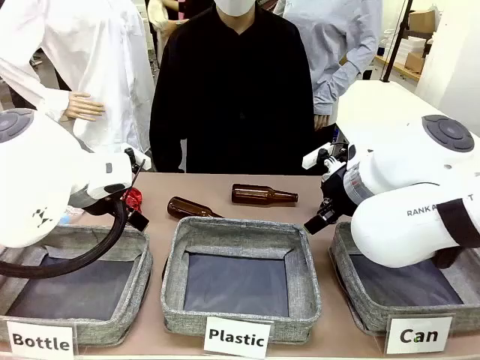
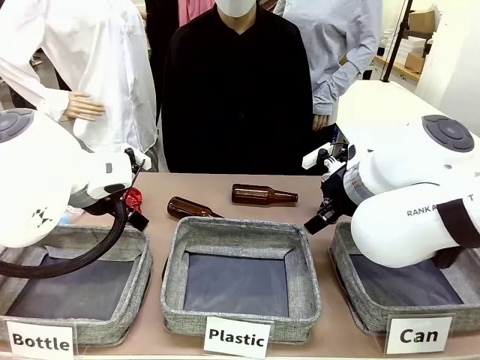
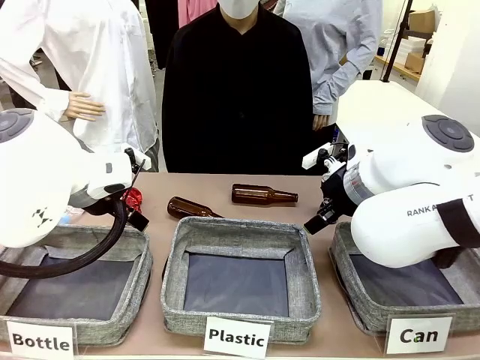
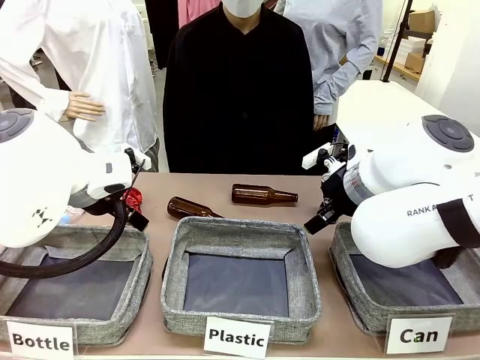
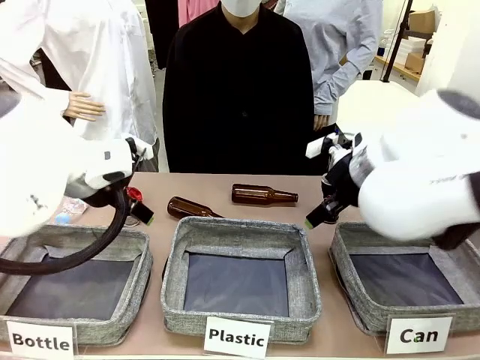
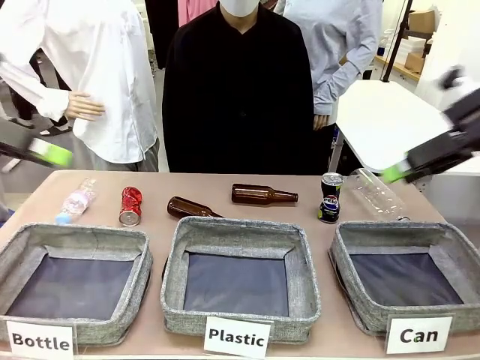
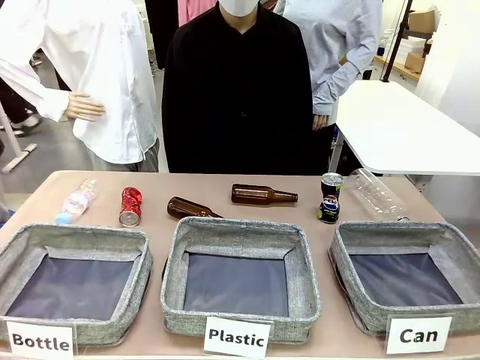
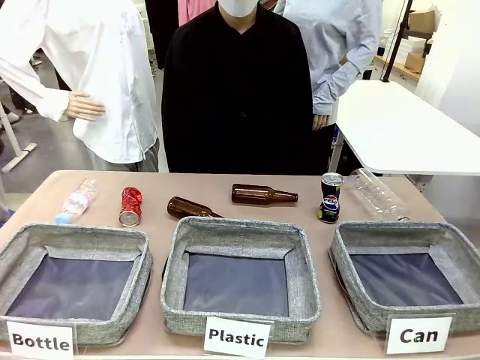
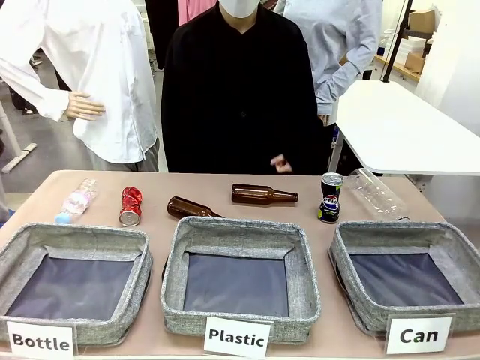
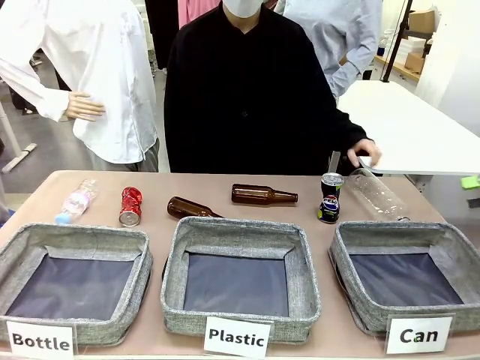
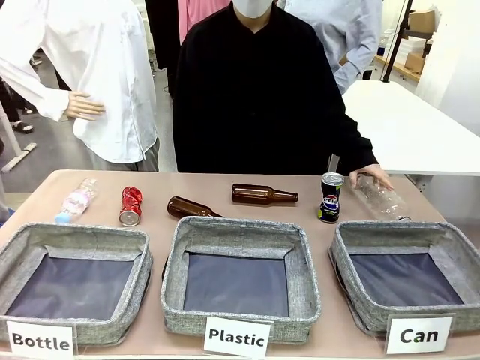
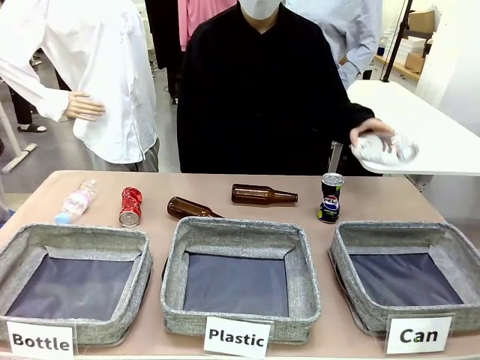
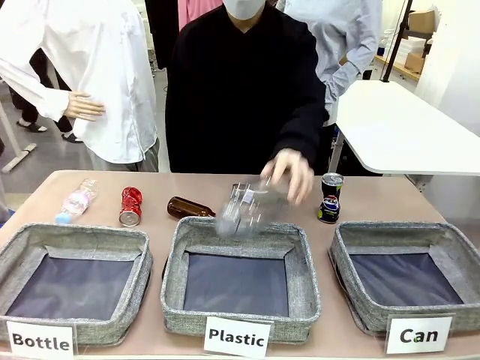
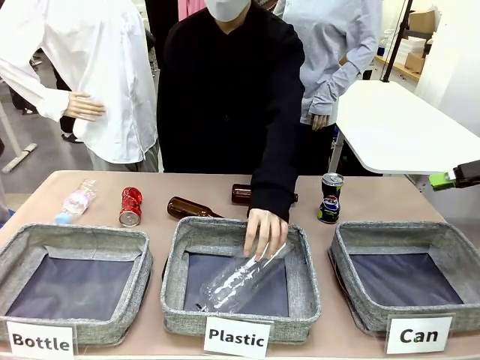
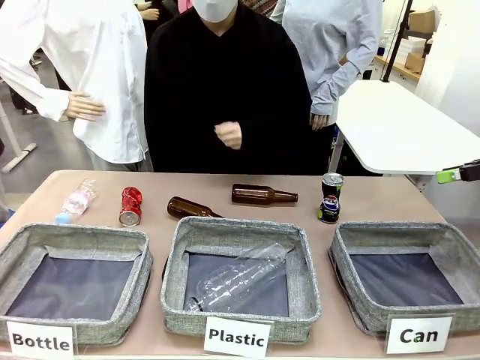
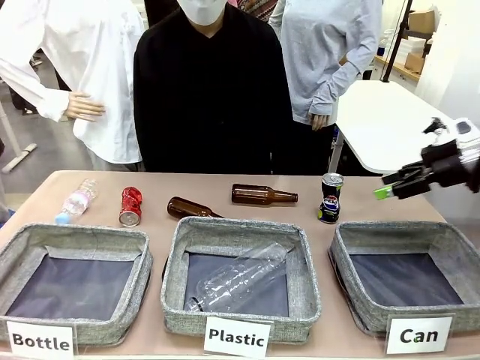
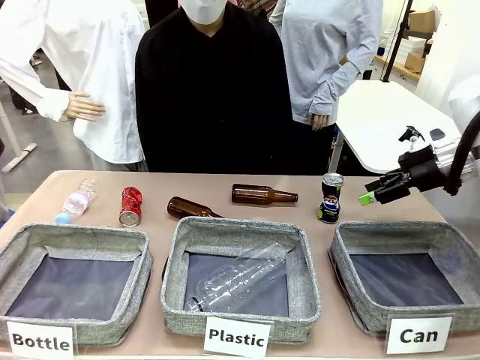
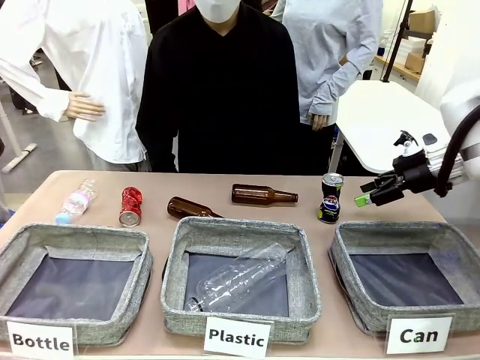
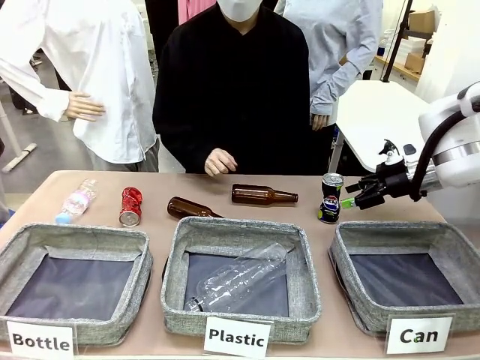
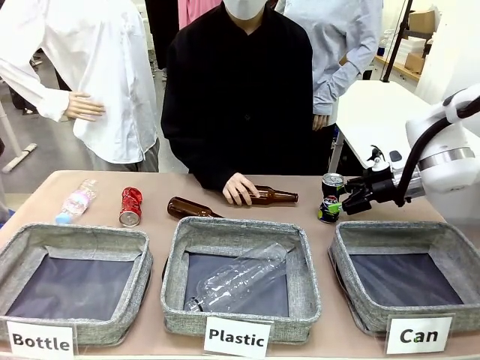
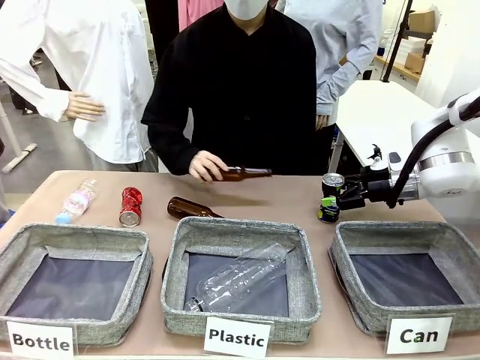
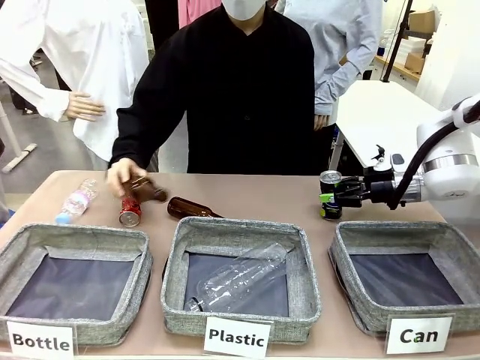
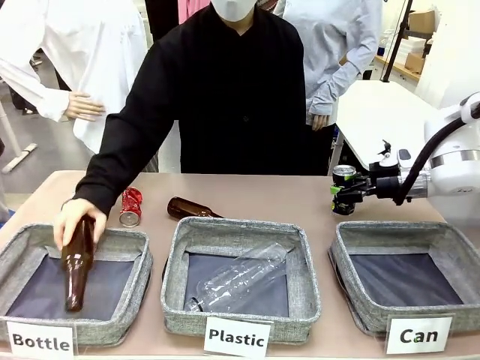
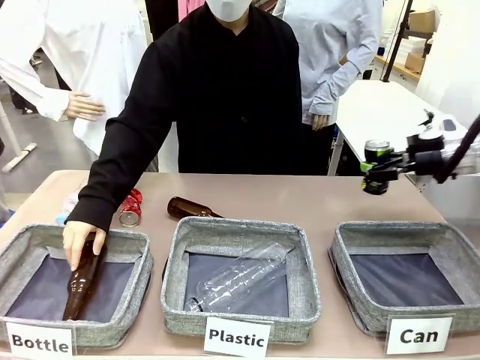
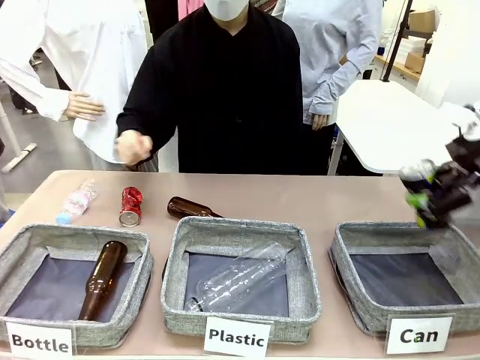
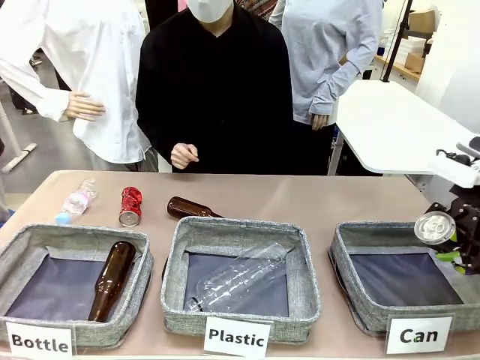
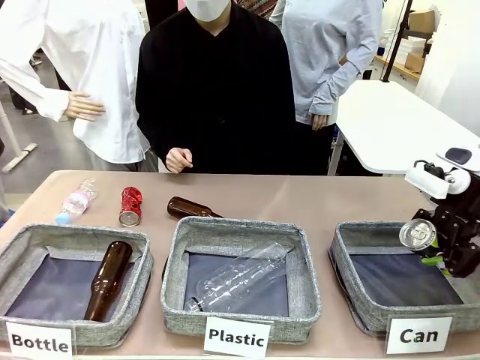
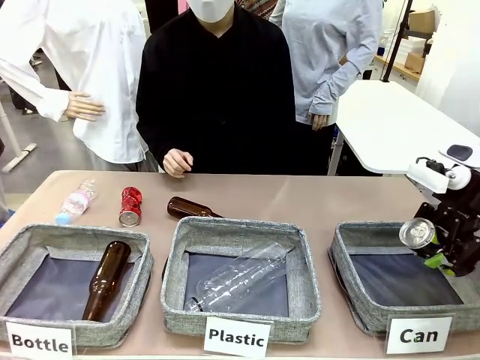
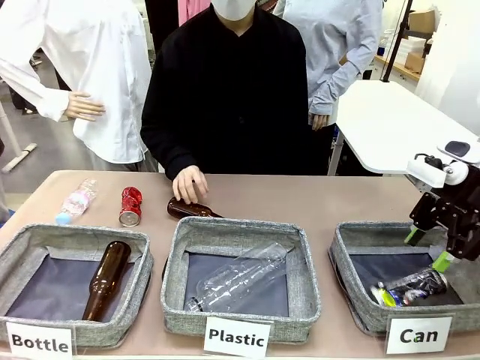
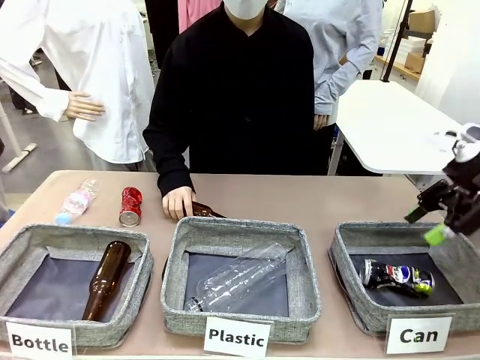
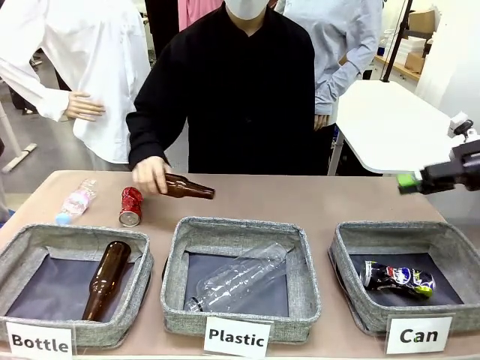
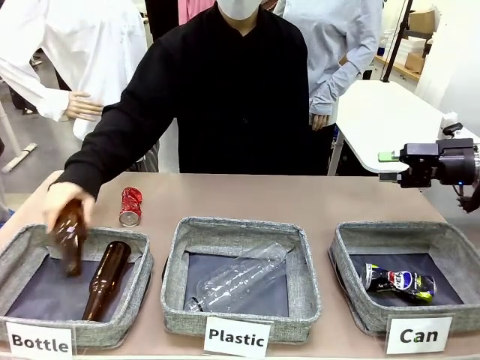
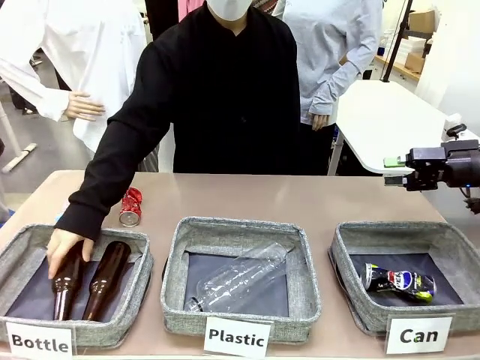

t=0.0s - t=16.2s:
Task: Sort the can waste into the basket.
Robot: Pick up the can waste from the table and place it in the right Fabric basket.

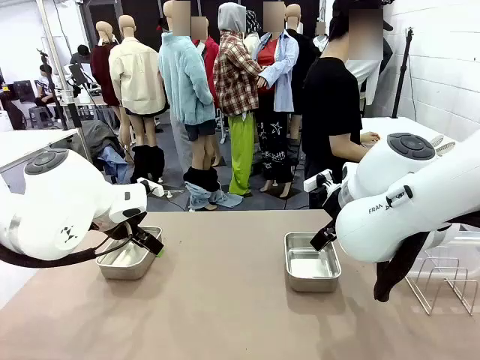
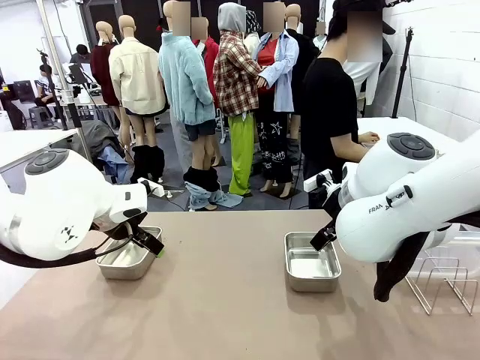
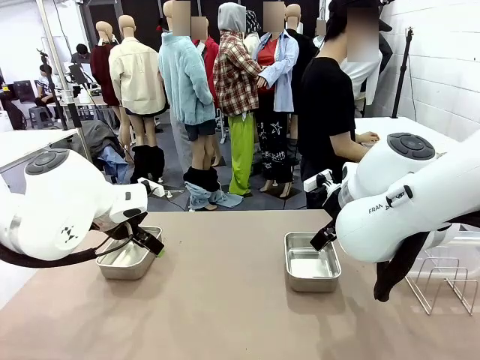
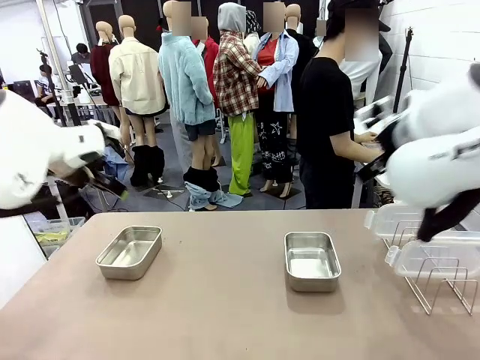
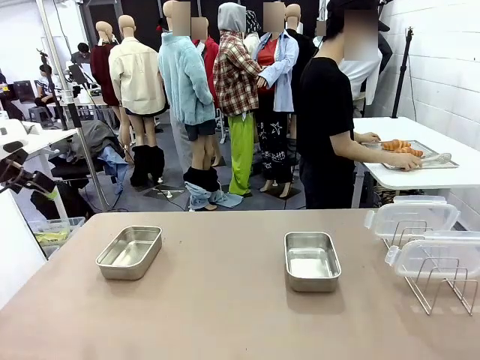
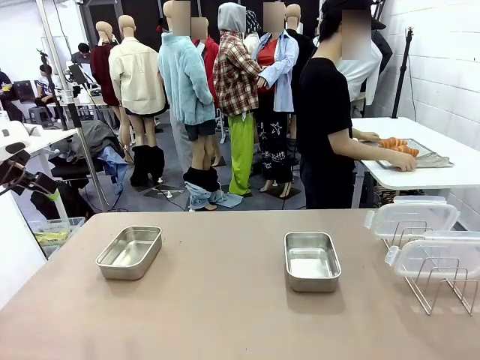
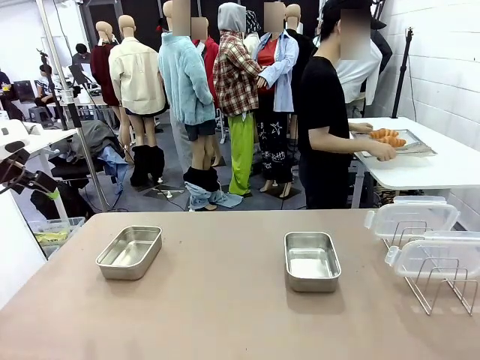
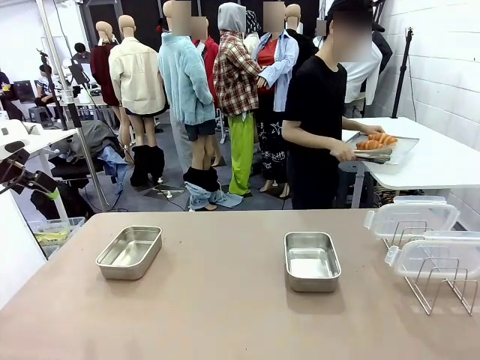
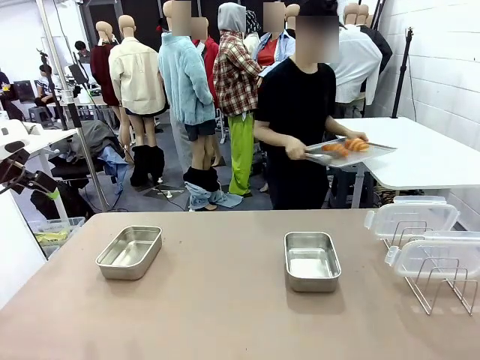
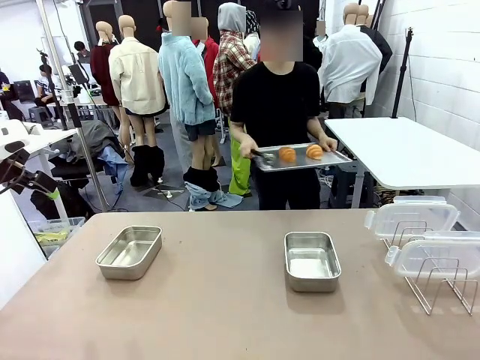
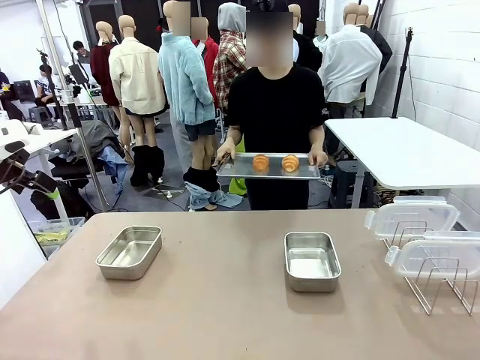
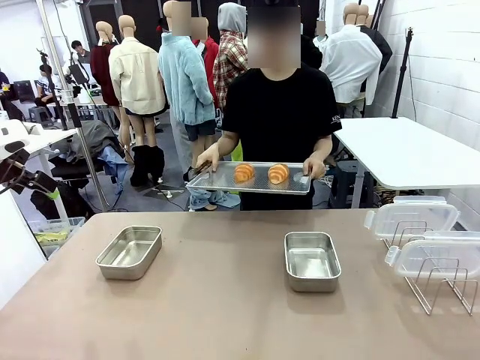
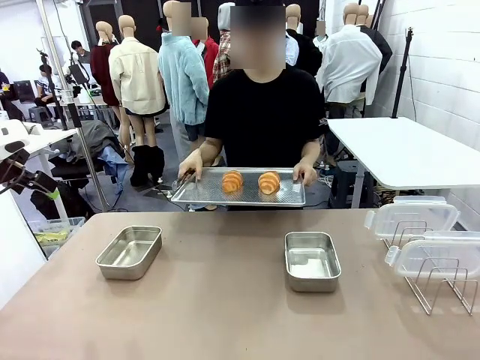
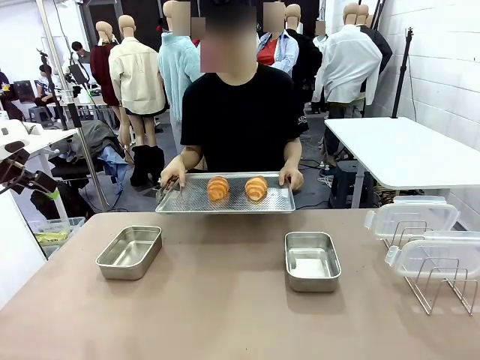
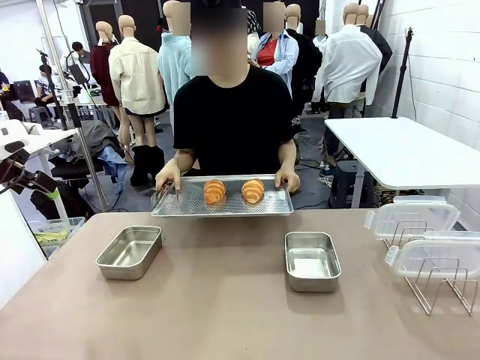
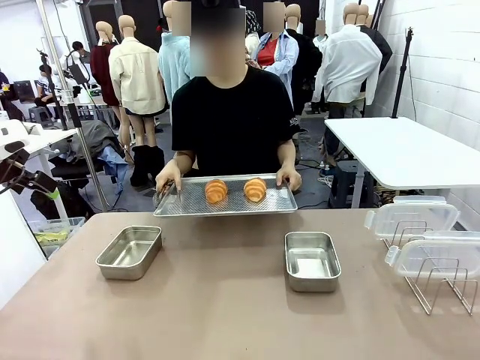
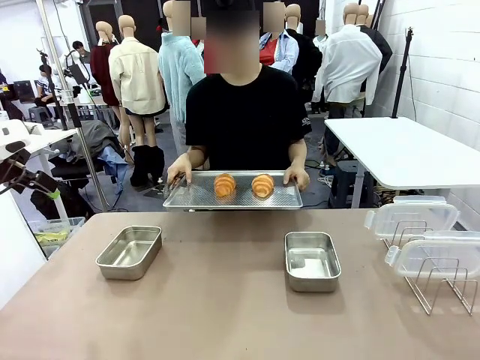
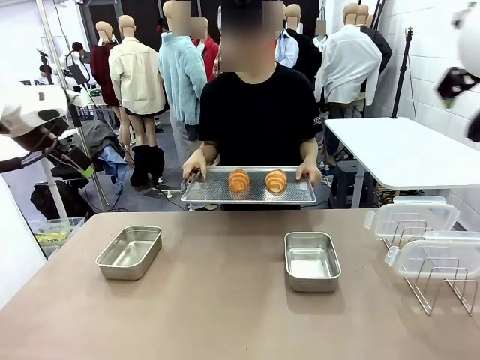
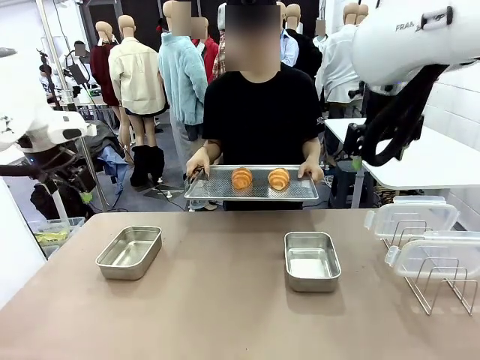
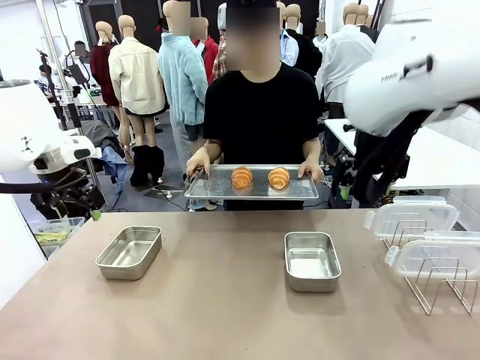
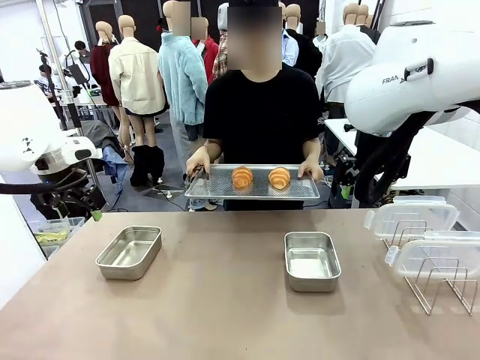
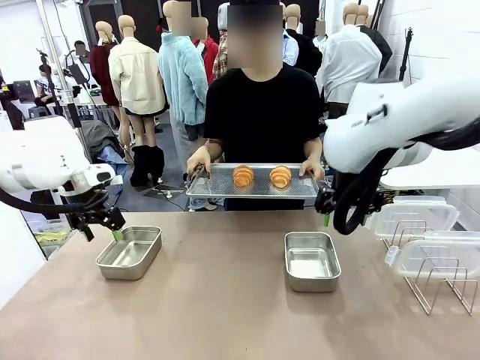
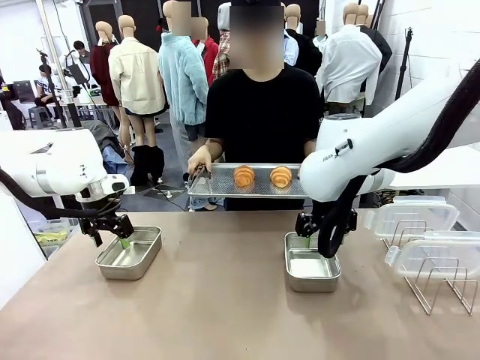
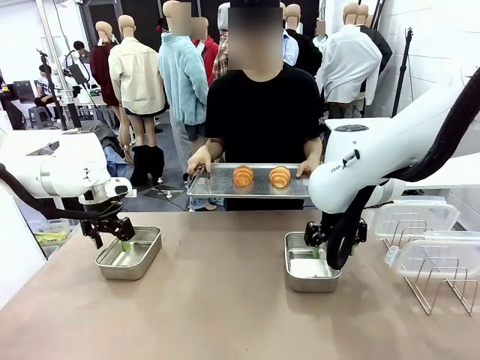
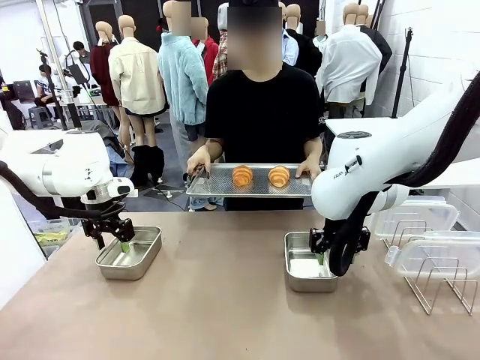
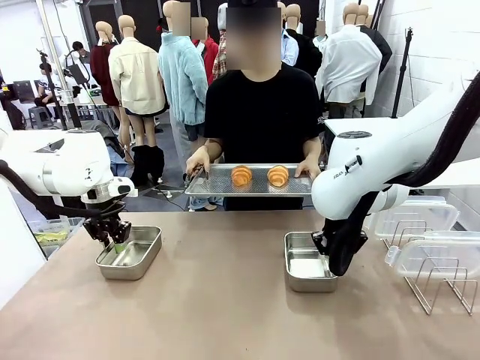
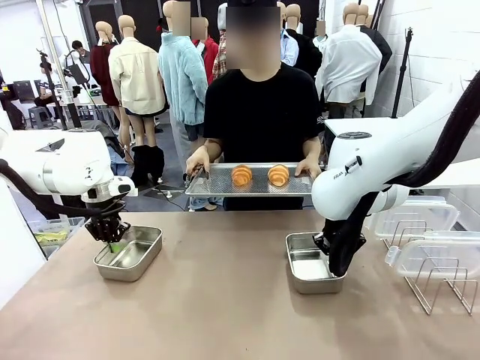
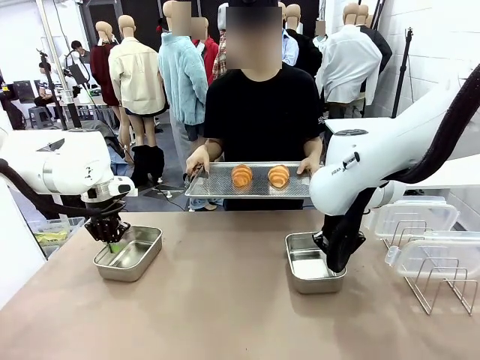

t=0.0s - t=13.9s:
Task: Place the bread in airtight containers.
Robot: Lift both Airtight Container.
Person: Bring the Baking Sheet in front of Robot's Table.
